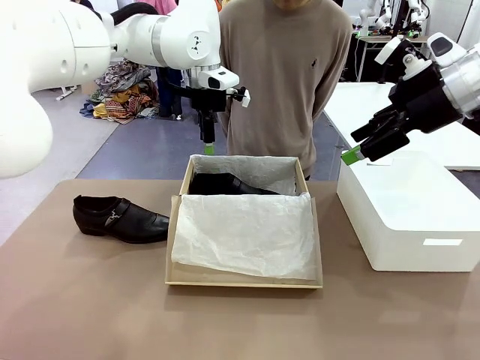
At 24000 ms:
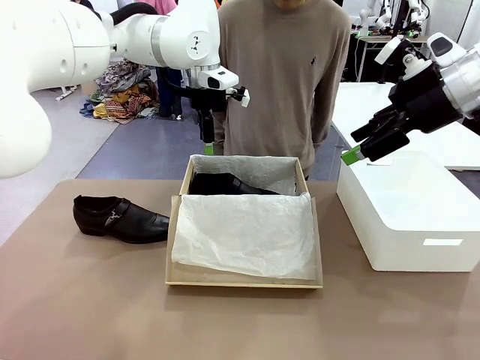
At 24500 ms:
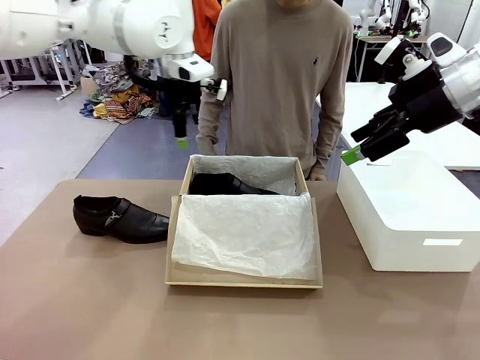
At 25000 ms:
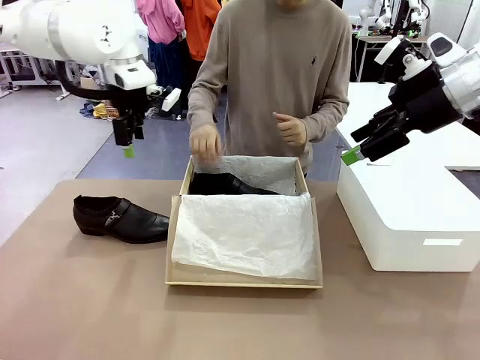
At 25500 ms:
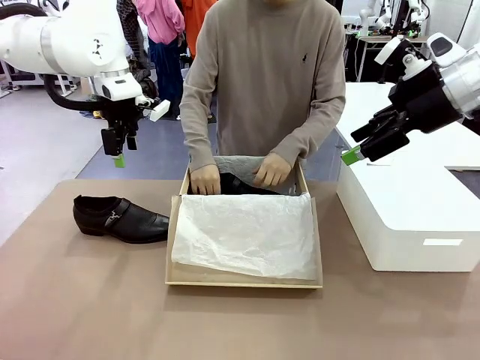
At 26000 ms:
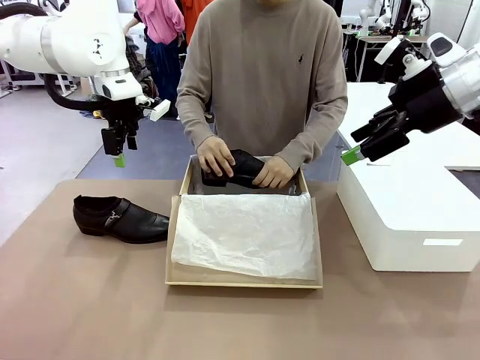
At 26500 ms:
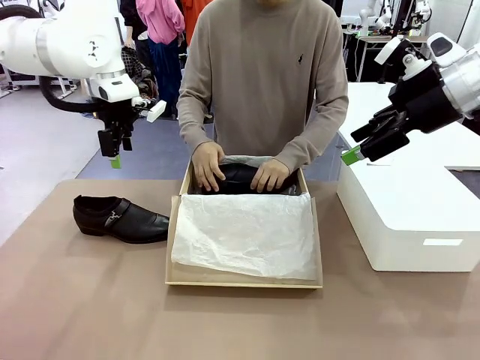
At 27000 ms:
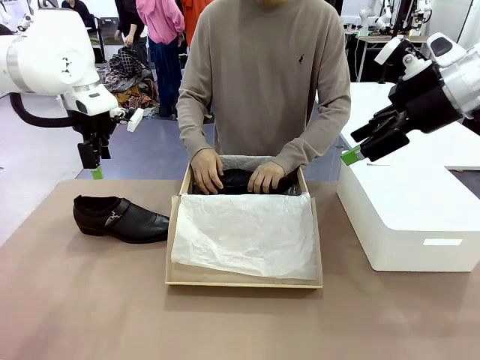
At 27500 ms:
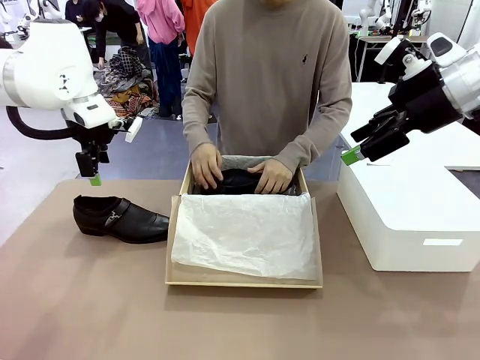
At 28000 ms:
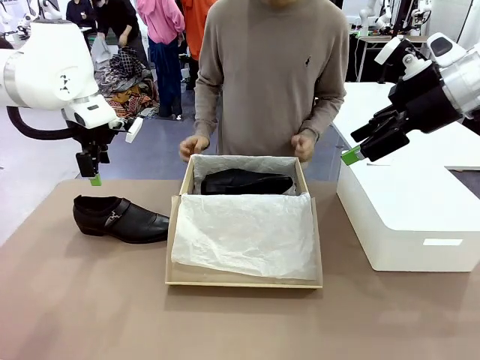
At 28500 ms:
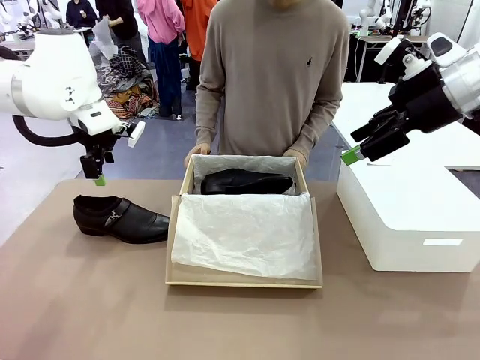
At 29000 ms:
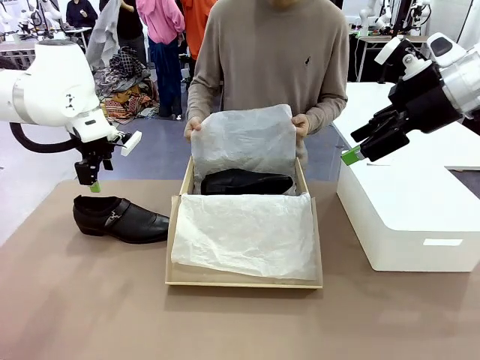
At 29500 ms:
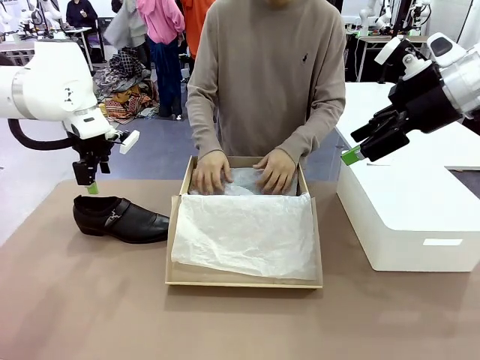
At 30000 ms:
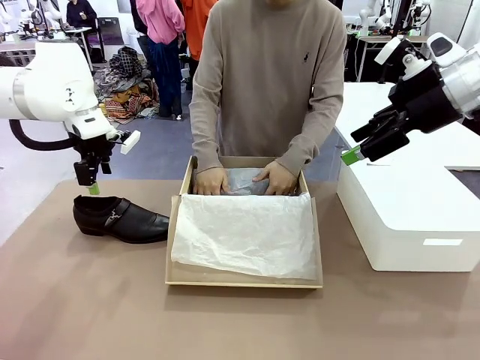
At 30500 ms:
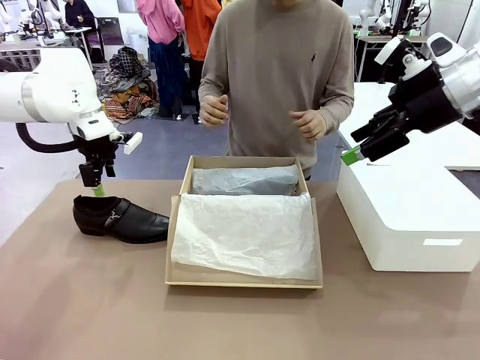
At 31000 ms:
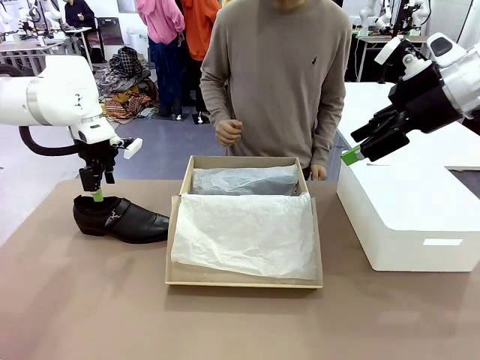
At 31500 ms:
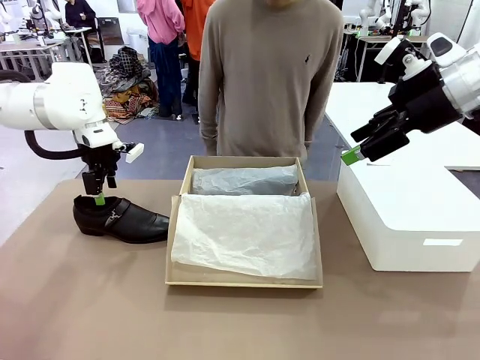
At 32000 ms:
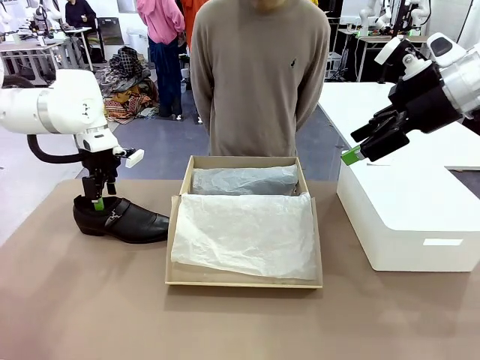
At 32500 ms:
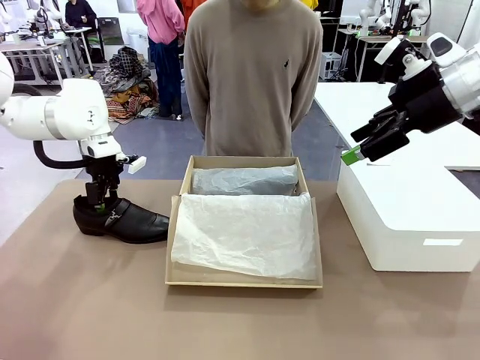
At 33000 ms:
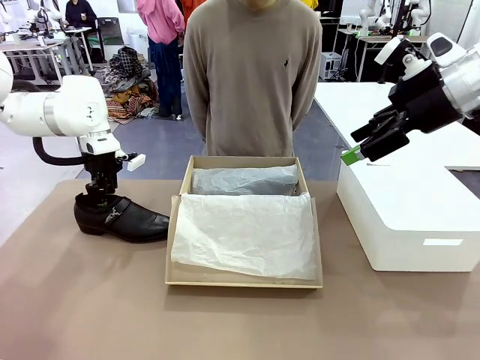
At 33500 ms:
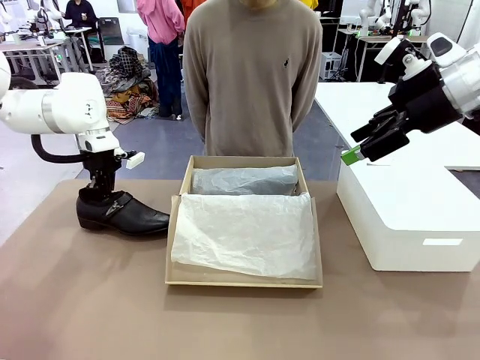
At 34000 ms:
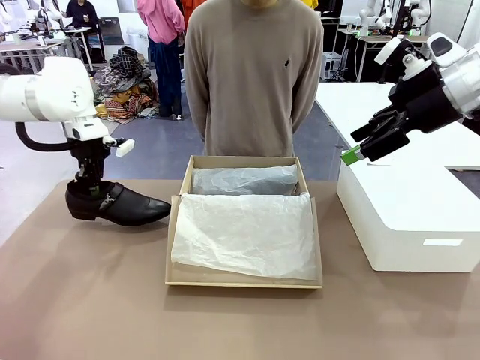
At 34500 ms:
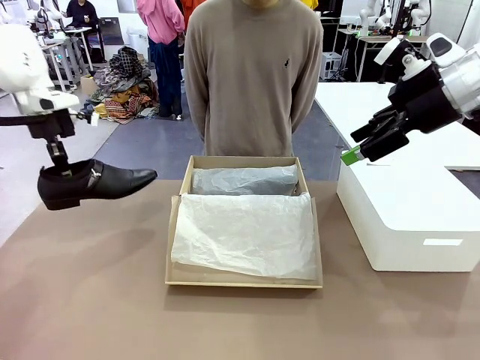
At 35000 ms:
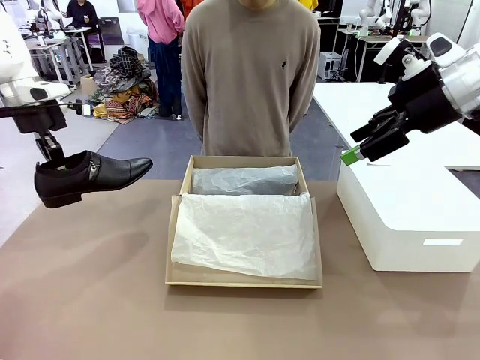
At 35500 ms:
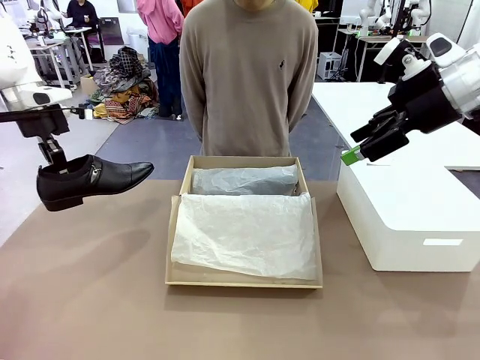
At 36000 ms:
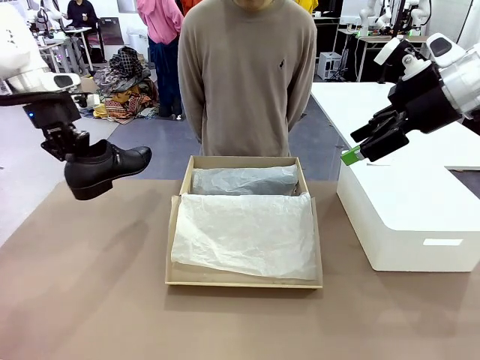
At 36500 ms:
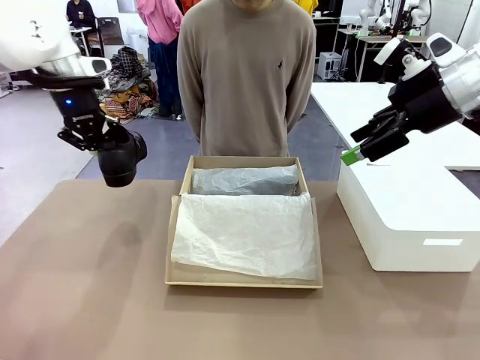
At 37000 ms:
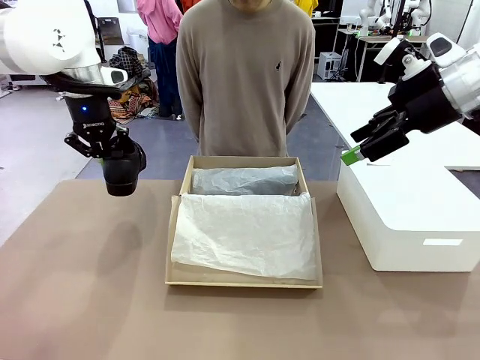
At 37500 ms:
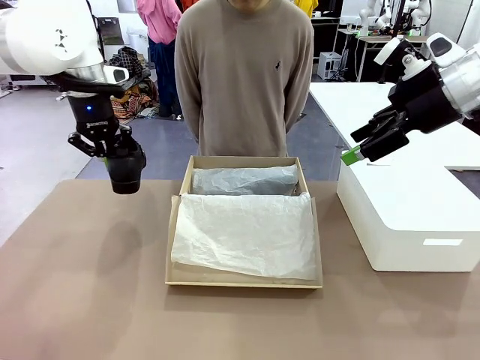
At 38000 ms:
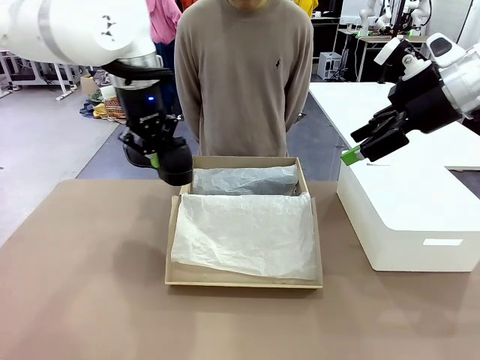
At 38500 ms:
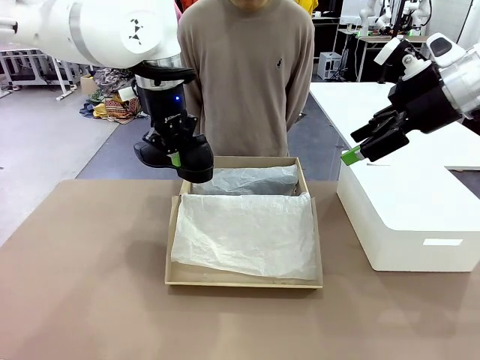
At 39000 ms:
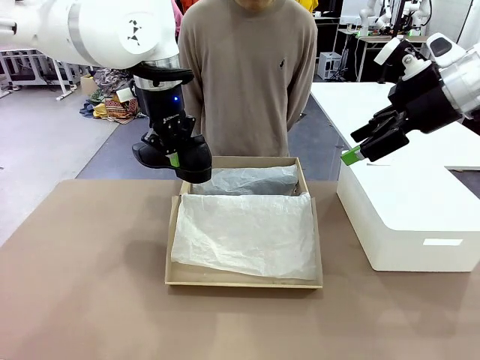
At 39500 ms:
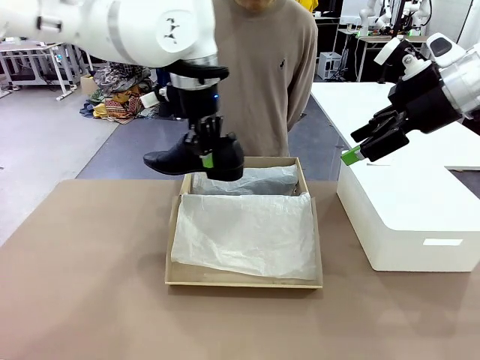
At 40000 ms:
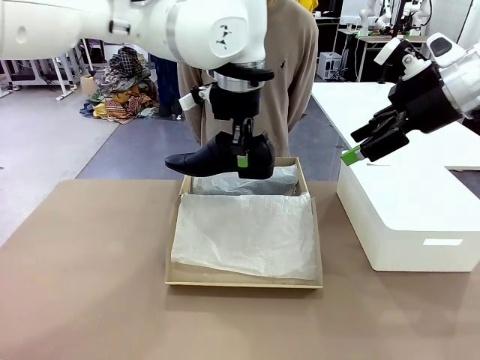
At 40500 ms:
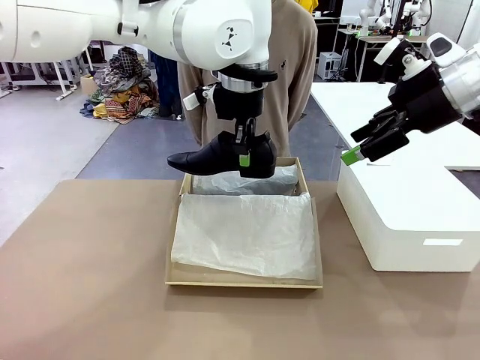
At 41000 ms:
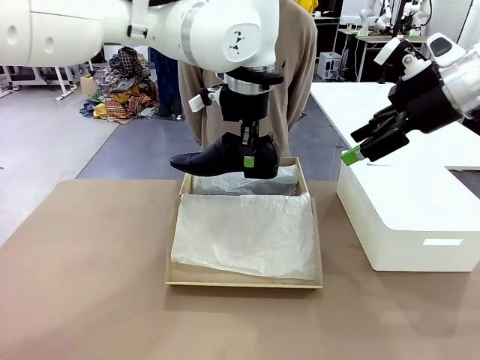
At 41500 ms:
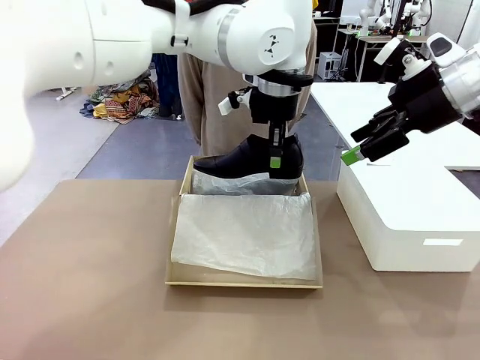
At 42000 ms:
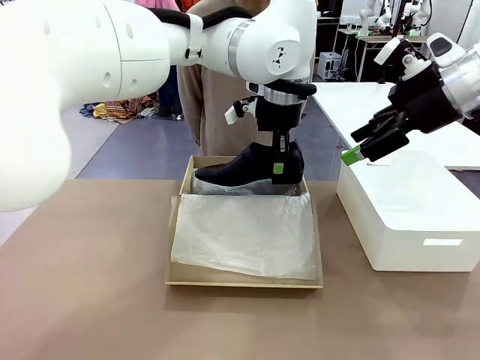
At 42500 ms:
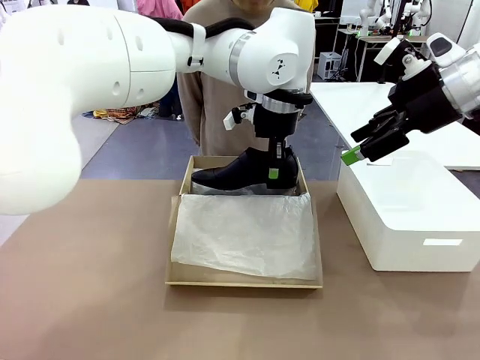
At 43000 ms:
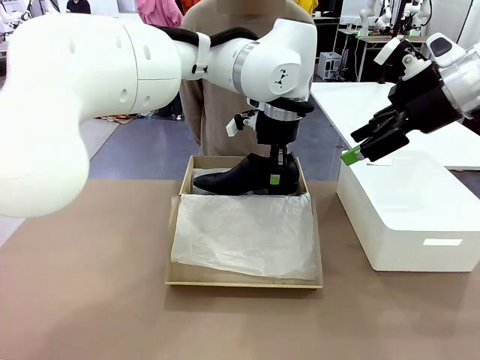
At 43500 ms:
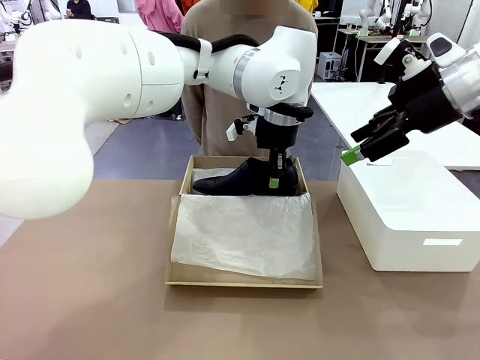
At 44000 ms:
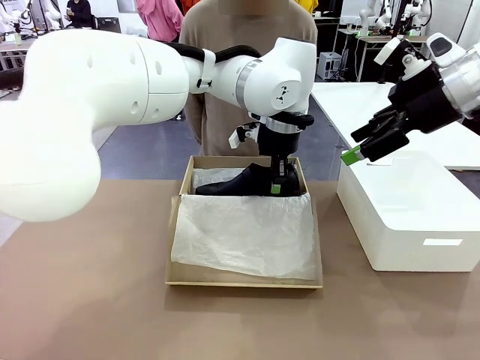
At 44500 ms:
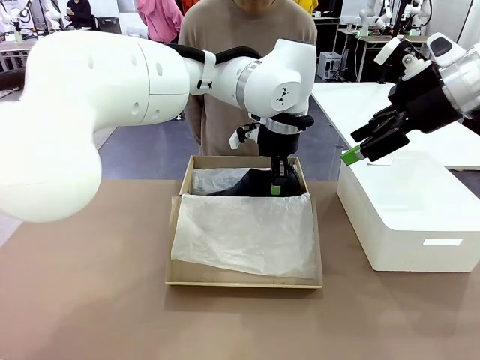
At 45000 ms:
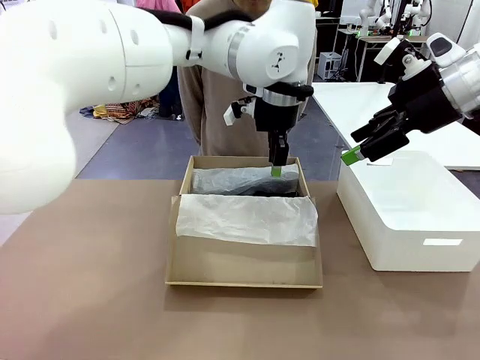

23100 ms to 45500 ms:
Task: Pack the shoes into the box.
Robot: Place the other shoe of the Shoes into the Shoes Box.
Person: Pack a shoe of Shoes inside the Shoes Box with Shoes Wrapping Paper.

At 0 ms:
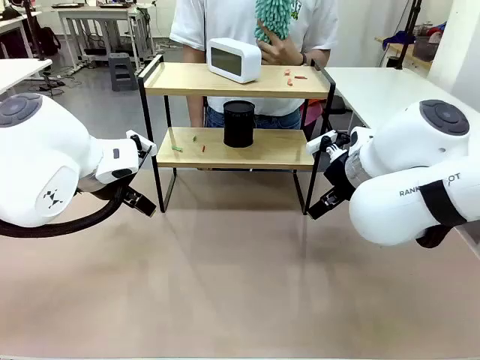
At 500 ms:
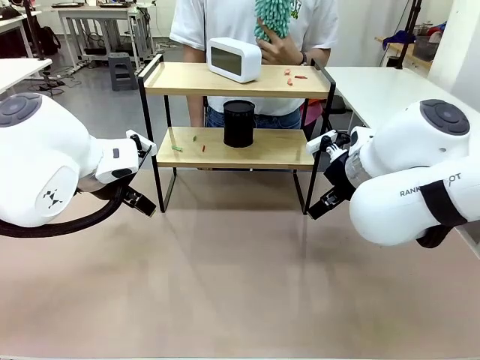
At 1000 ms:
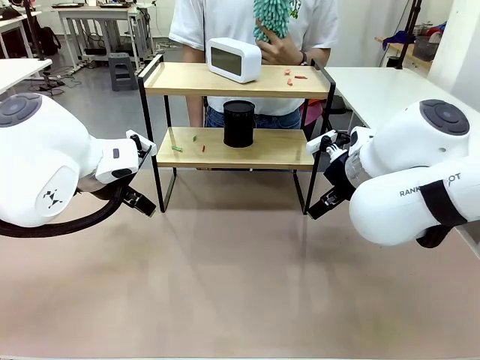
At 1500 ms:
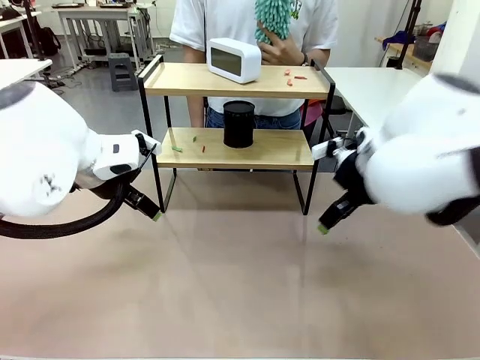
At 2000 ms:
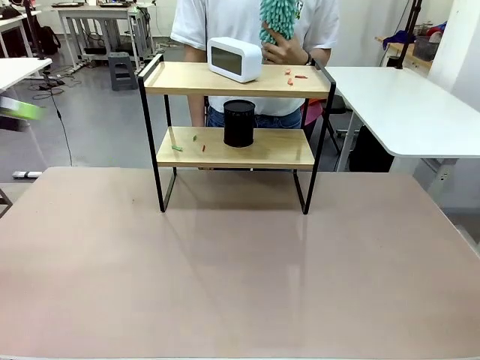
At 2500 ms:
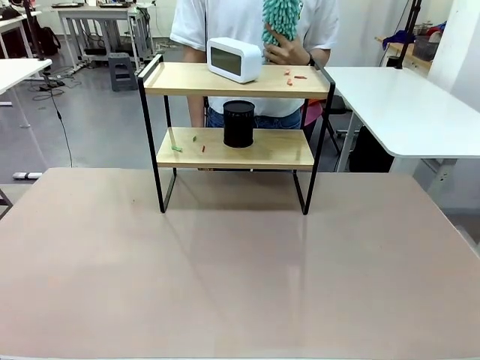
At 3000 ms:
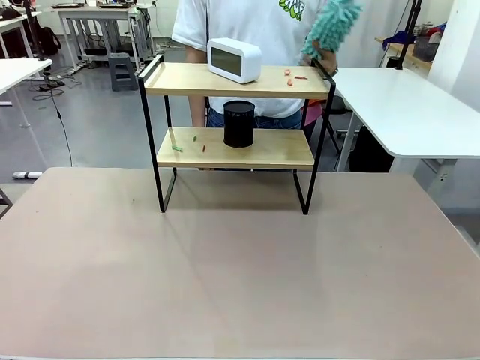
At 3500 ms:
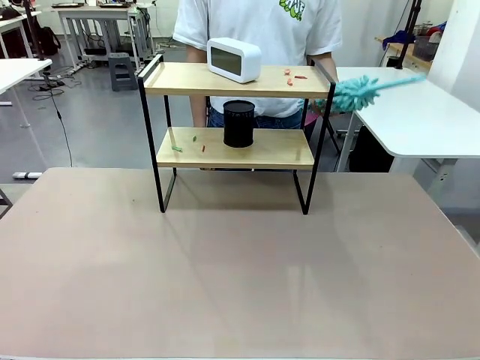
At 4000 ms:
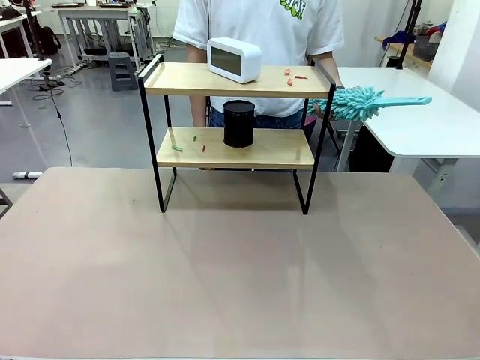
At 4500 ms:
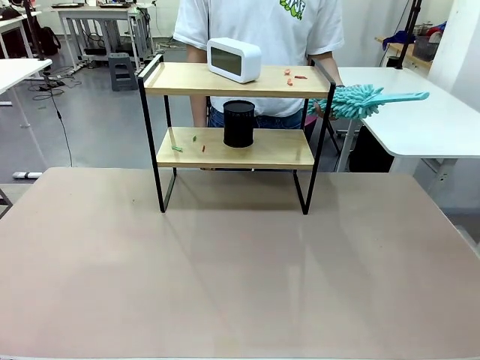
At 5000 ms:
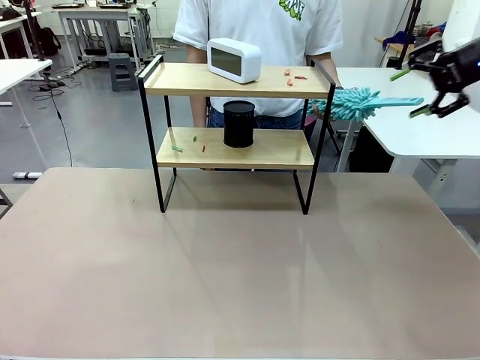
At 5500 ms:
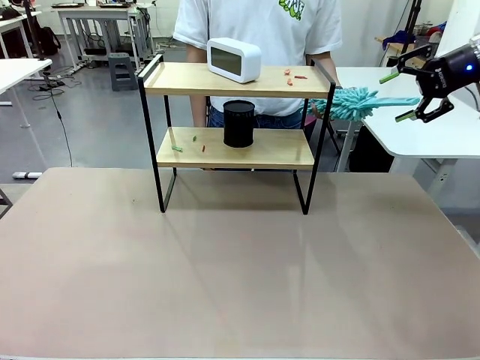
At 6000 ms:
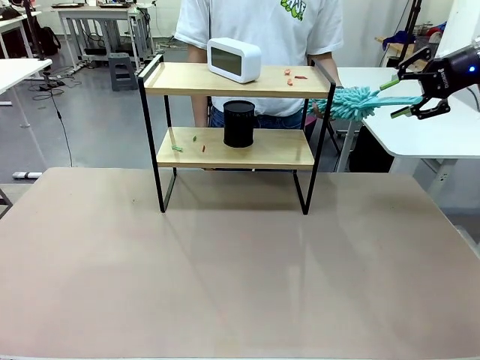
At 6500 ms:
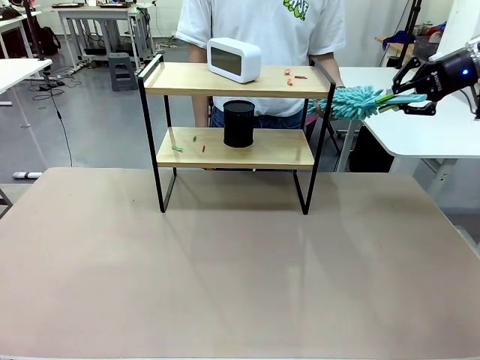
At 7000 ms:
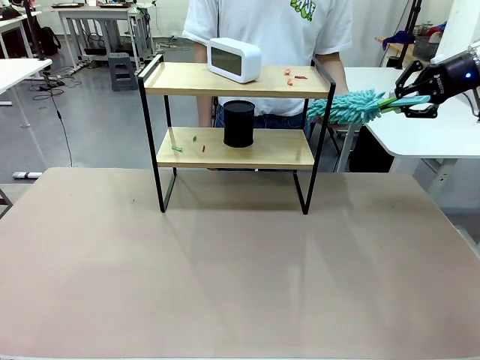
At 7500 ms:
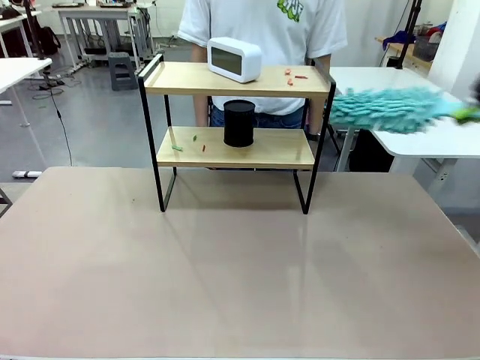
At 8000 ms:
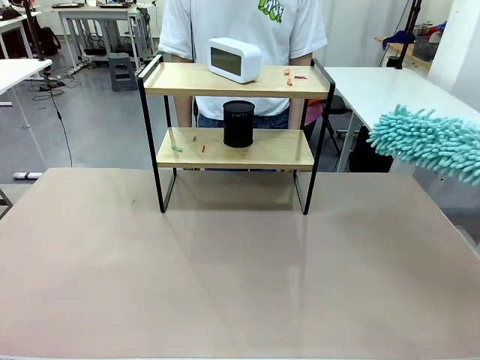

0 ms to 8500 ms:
Task: Clean the shelf.
Robot: Pick up the Duster from the human.
Person: Hand the Duster to the robot.
